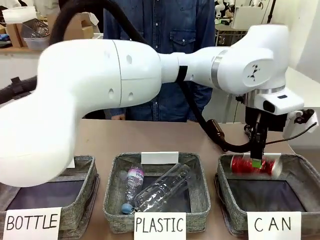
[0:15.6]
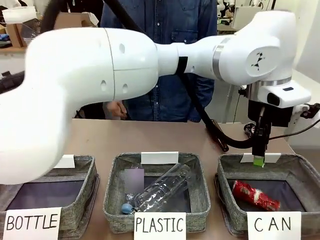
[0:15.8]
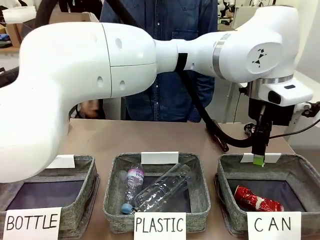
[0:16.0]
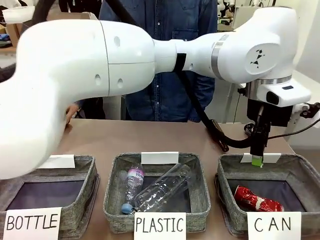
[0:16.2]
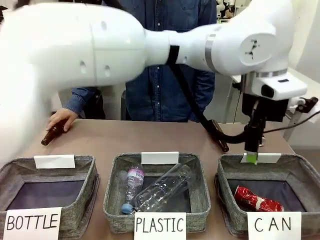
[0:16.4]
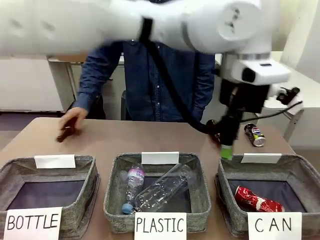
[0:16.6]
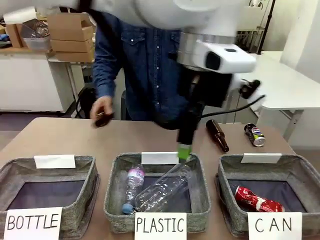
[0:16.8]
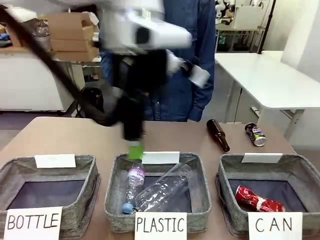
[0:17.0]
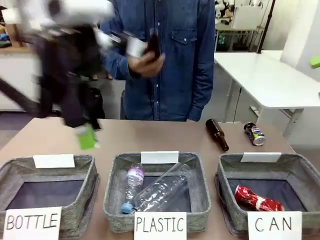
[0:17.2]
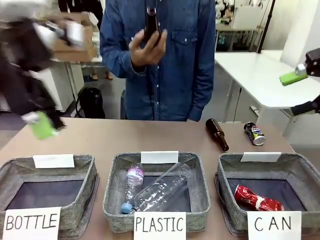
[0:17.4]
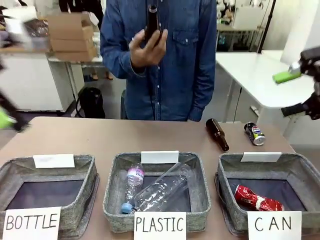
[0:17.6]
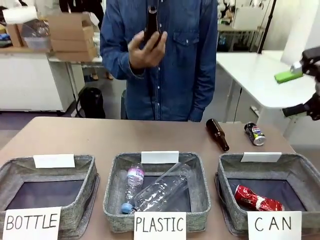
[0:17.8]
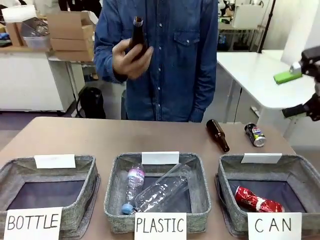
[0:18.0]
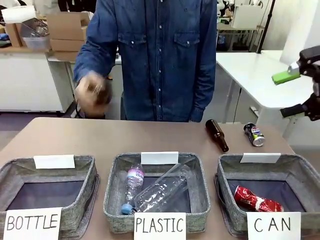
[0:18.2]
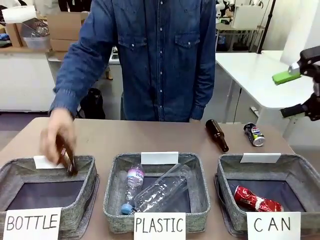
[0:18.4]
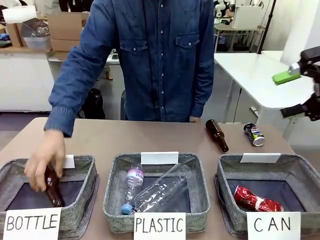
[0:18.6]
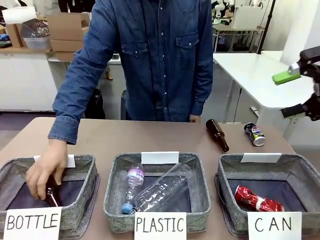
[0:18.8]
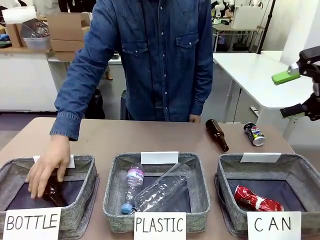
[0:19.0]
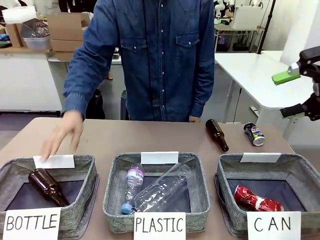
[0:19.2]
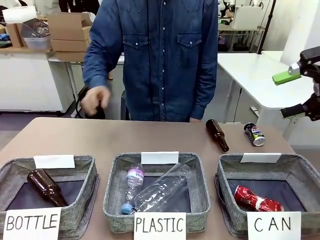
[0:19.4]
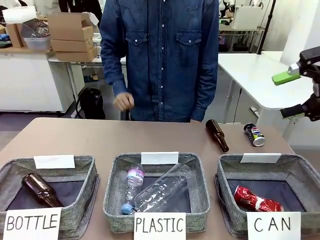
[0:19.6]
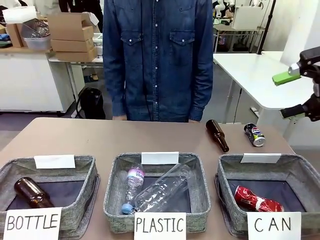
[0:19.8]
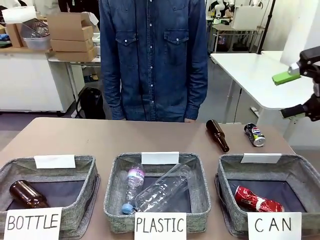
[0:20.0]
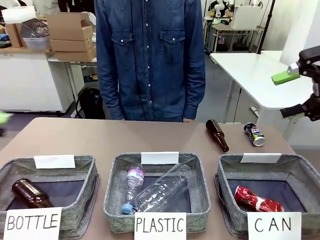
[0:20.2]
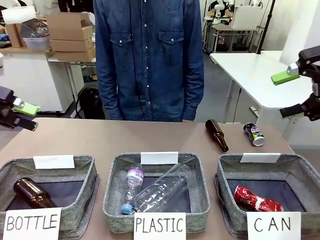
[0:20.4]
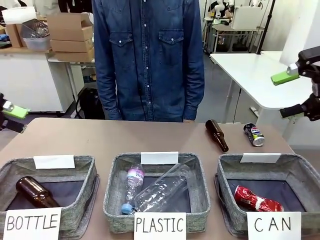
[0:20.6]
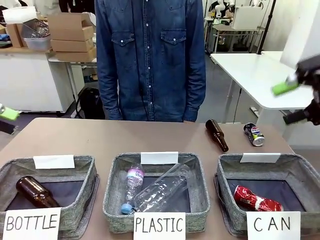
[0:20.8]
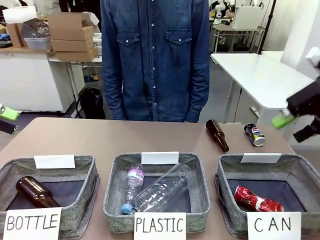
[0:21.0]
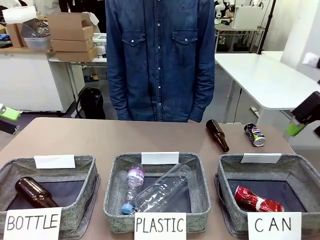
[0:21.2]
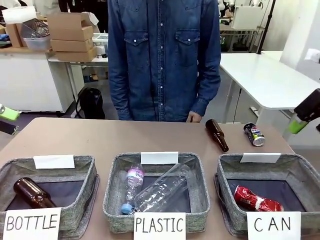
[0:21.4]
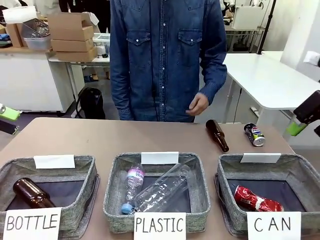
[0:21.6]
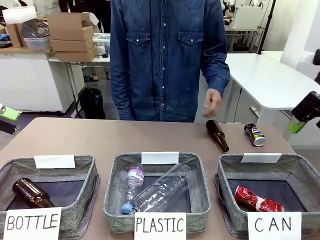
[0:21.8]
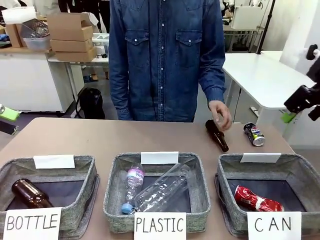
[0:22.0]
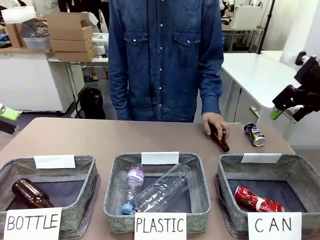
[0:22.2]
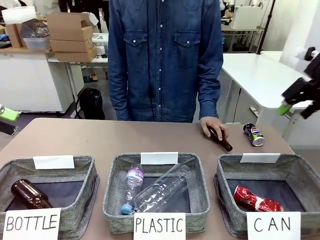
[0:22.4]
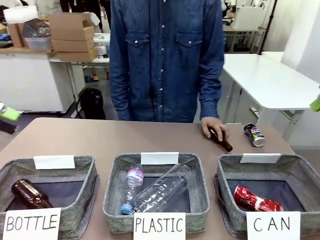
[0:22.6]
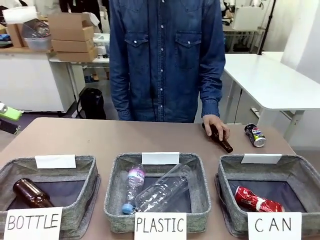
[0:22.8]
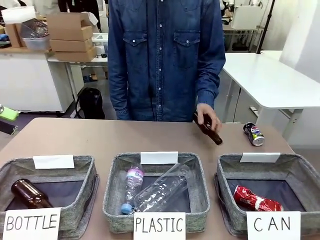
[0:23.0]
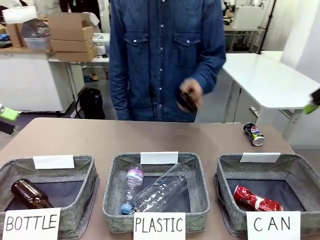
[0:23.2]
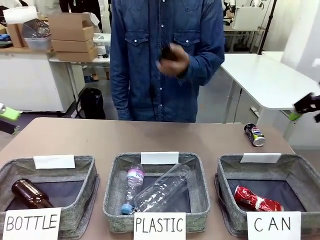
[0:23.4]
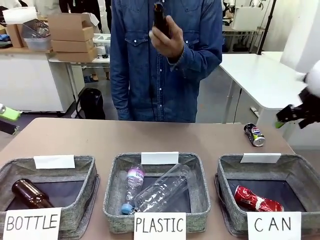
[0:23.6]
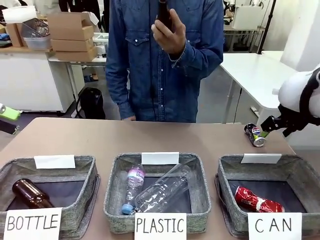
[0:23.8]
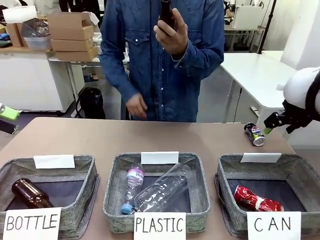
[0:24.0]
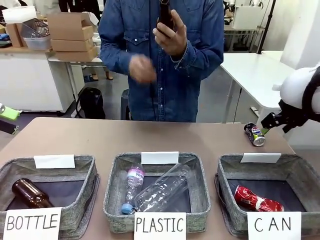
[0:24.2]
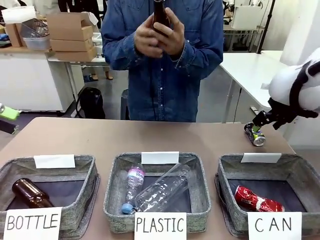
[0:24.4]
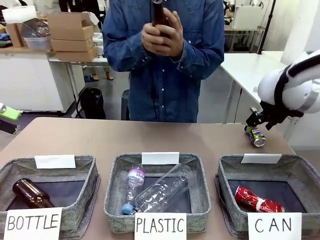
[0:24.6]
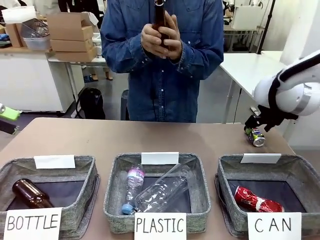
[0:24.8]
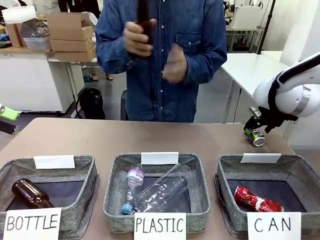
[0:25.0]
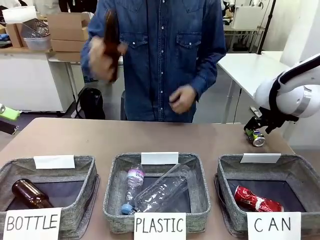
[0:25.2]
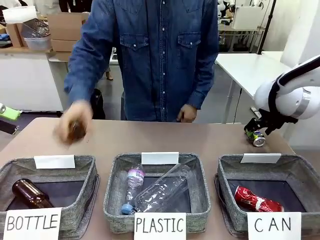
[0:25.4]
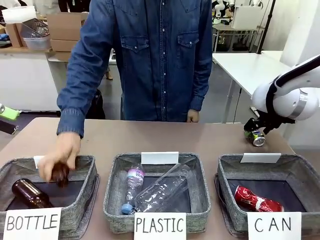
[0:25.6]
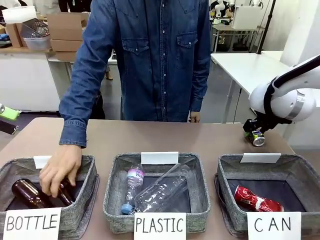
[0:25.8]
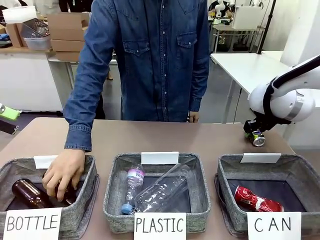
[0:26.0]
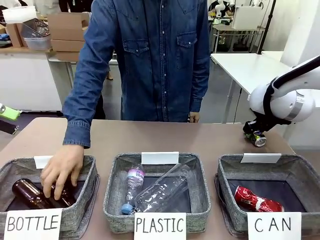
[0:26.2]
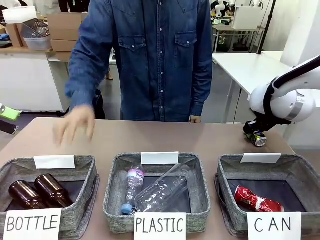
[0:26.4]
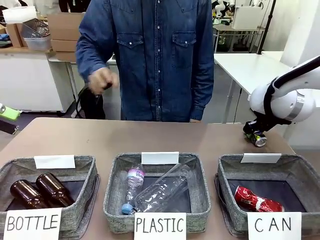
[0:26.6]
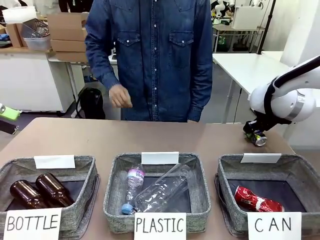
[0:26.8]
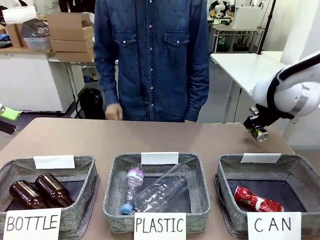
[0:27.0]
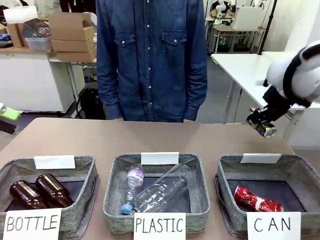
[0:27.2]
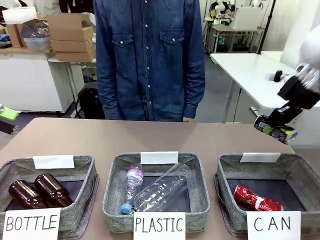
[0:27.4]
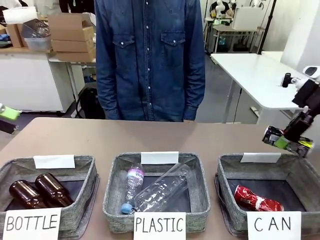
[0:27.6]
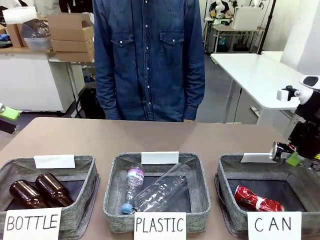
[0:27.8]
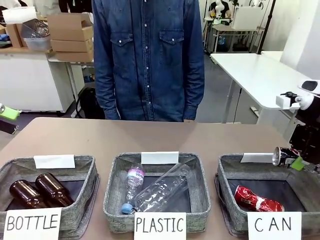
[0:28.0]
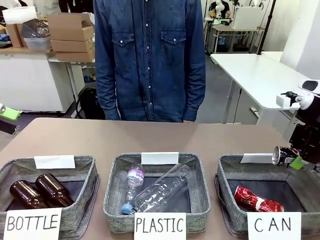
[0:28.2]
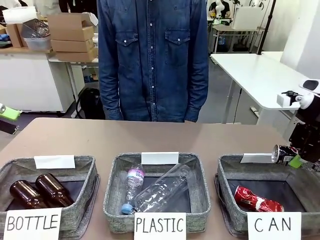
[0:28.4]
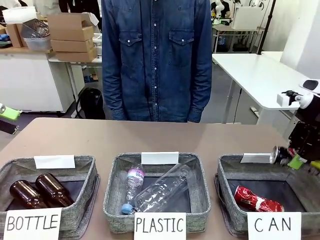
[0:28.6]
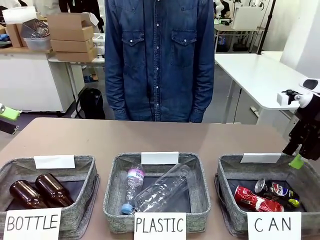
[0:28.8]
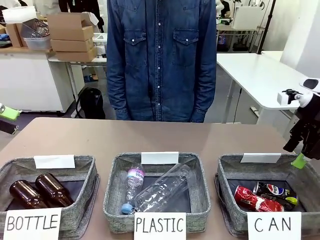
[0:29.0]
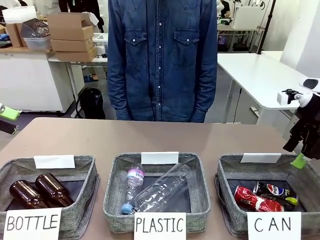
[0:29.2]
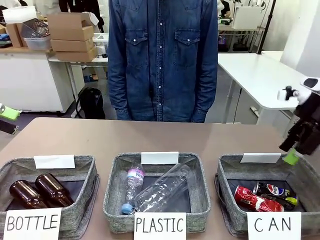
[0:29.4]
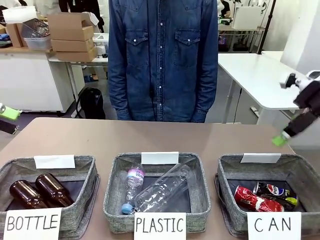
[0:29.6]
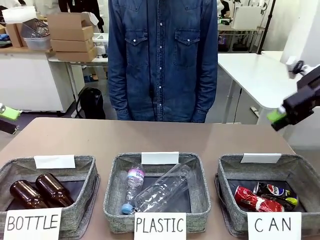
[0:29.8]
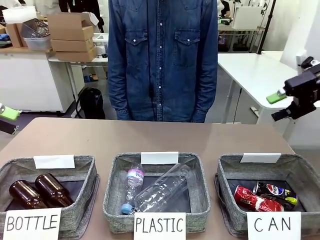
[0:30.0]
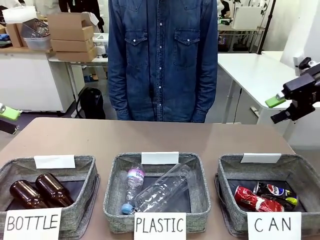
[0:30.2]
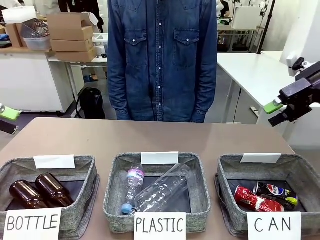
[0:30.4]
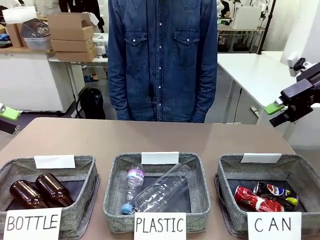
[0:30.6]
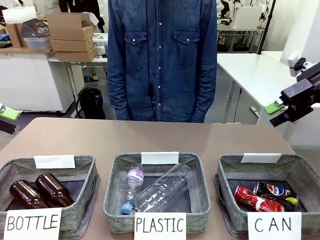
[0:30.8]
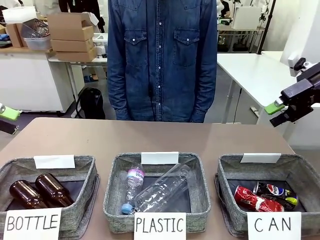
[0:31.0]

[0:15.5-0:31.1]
Task: Sort the can waste into the basket.
Robot: Pick up the can waste from the table and place it in the right Fabric basket.
Person: The human picks up one piece of trash that is not a can and places the trash into the appropriate organizing basket.
